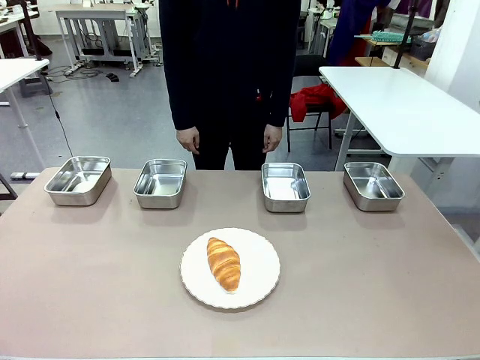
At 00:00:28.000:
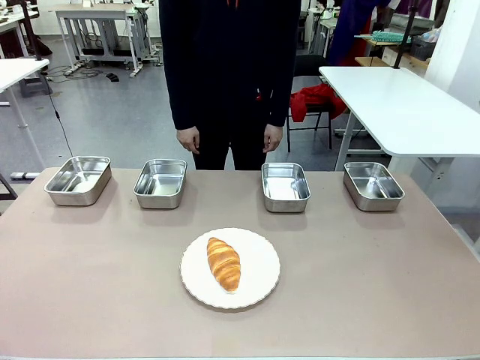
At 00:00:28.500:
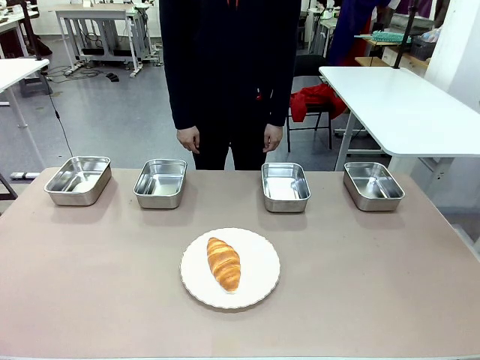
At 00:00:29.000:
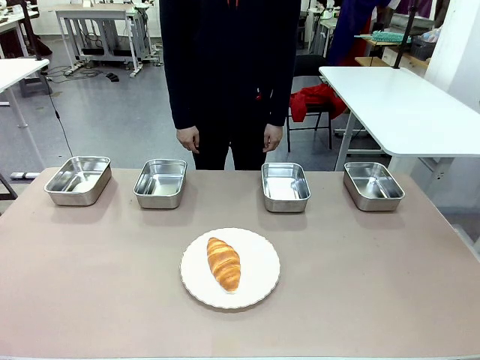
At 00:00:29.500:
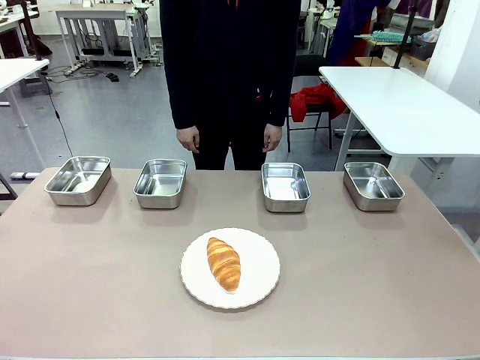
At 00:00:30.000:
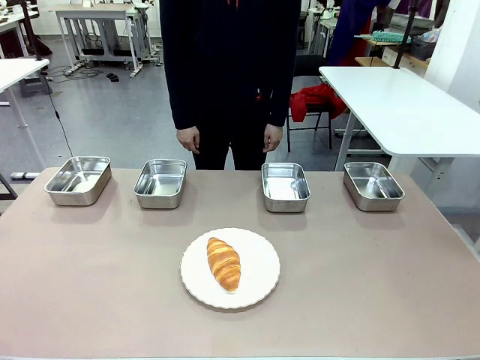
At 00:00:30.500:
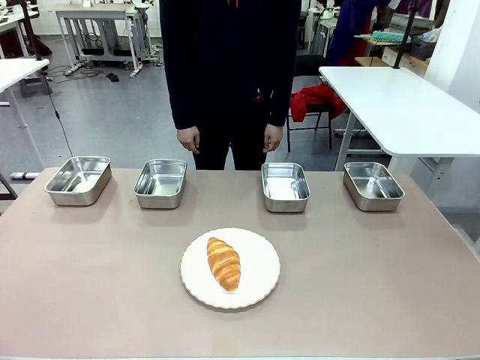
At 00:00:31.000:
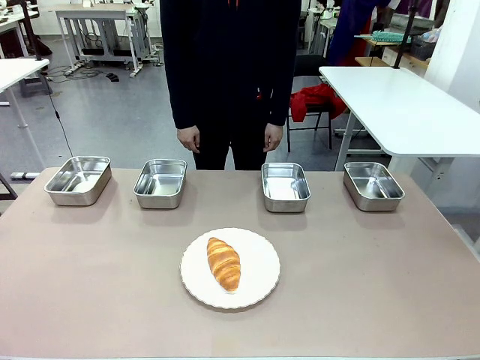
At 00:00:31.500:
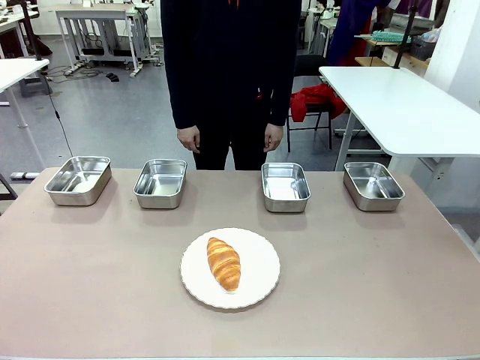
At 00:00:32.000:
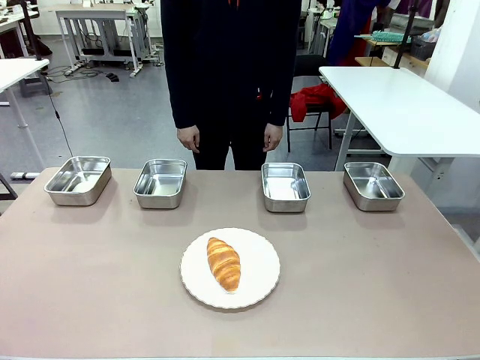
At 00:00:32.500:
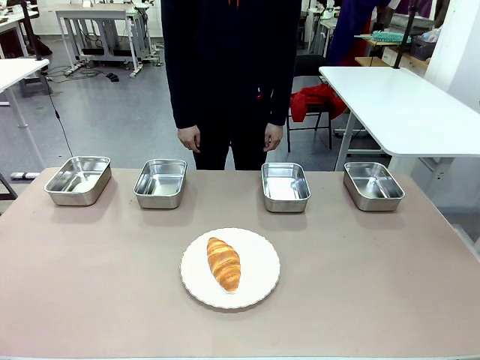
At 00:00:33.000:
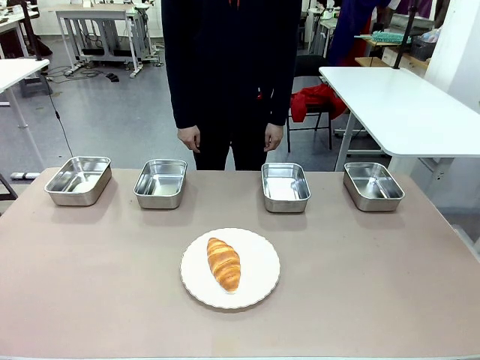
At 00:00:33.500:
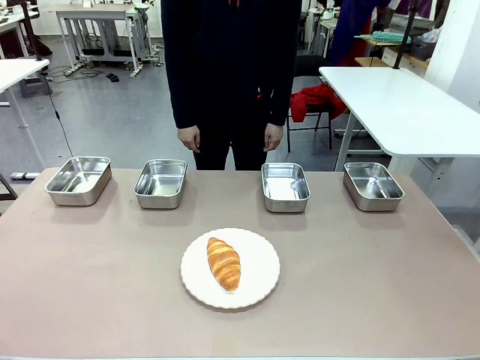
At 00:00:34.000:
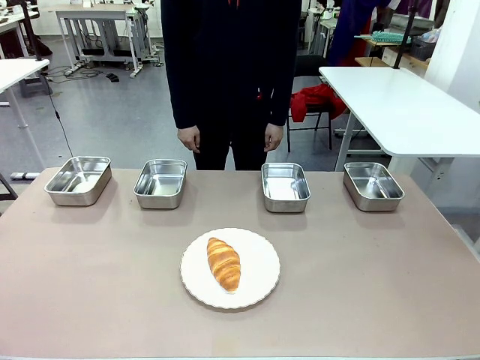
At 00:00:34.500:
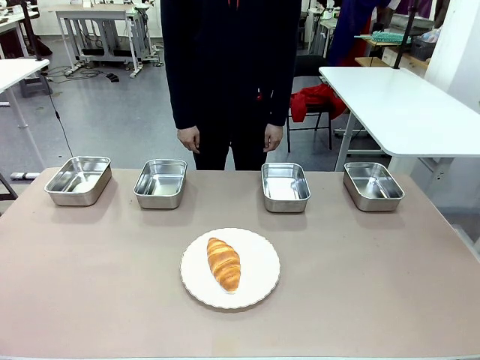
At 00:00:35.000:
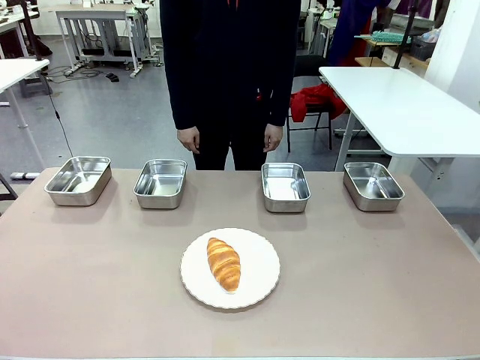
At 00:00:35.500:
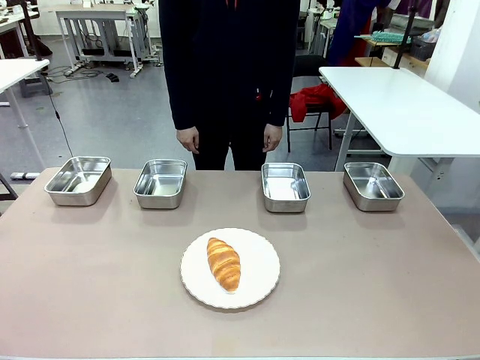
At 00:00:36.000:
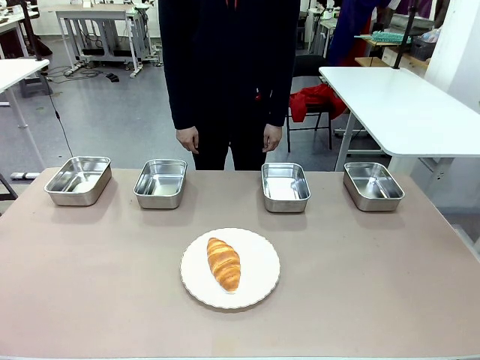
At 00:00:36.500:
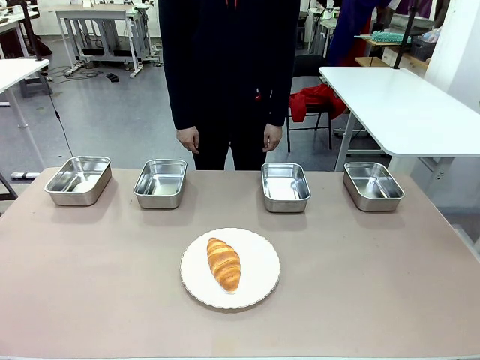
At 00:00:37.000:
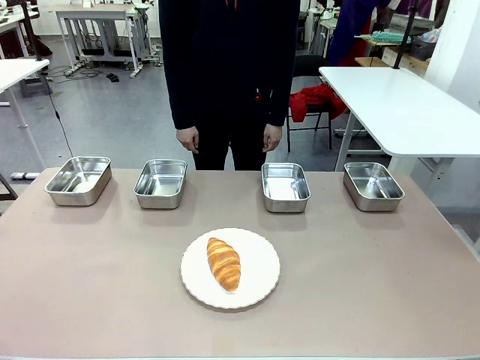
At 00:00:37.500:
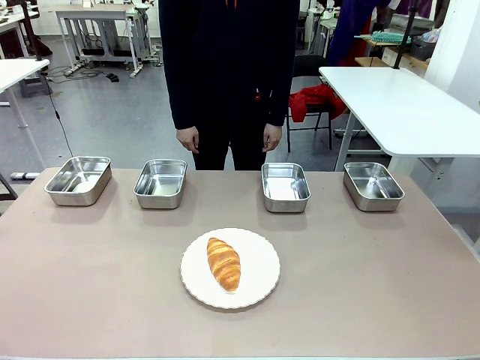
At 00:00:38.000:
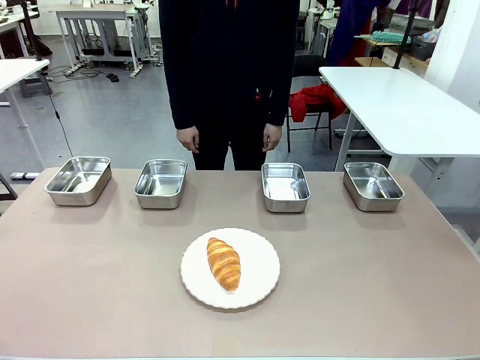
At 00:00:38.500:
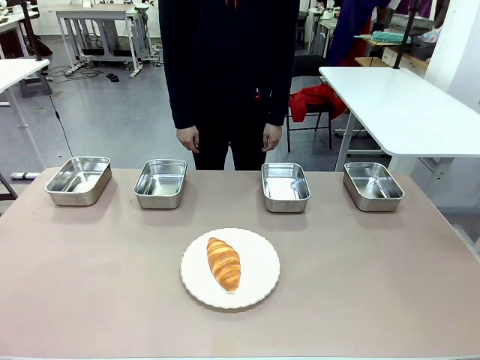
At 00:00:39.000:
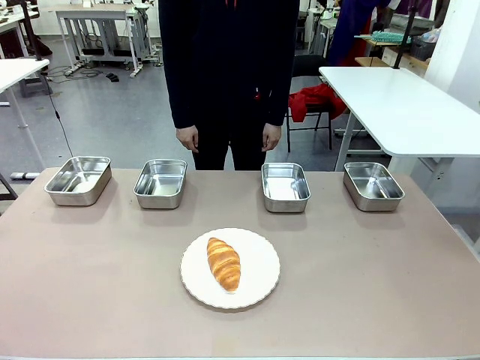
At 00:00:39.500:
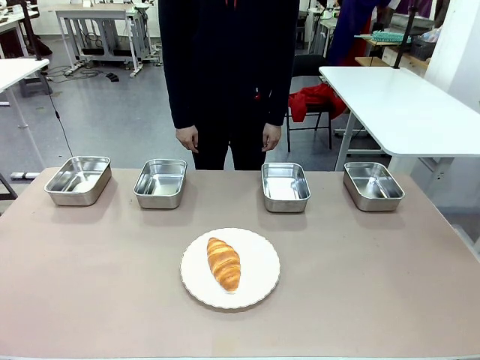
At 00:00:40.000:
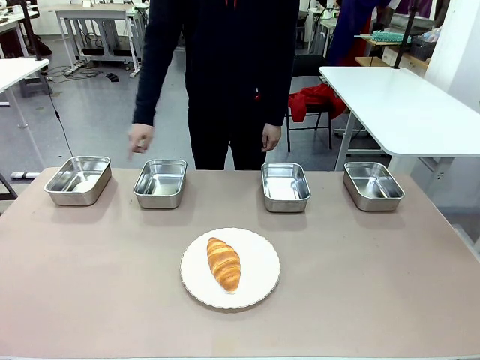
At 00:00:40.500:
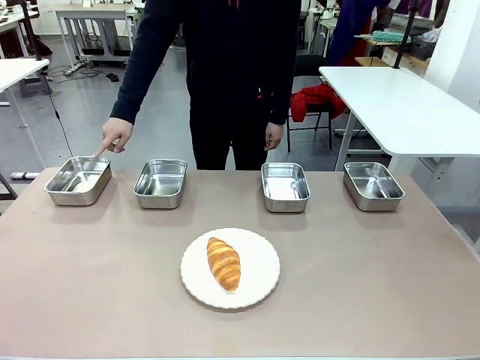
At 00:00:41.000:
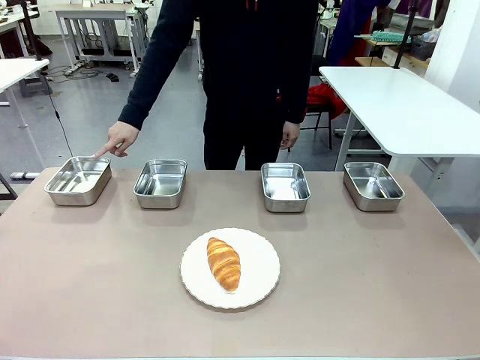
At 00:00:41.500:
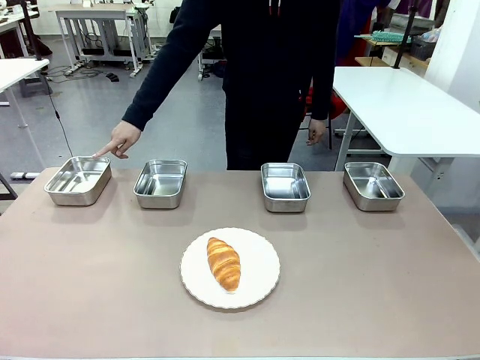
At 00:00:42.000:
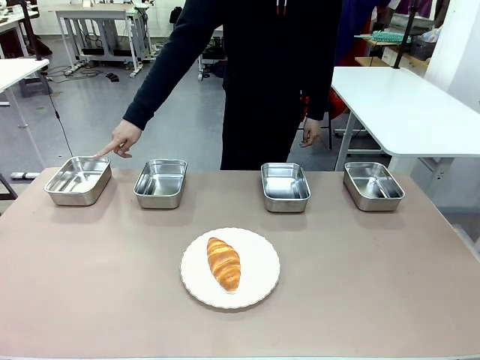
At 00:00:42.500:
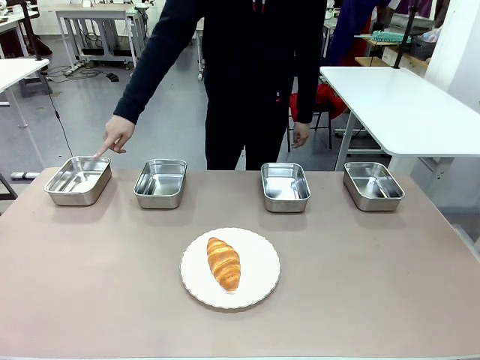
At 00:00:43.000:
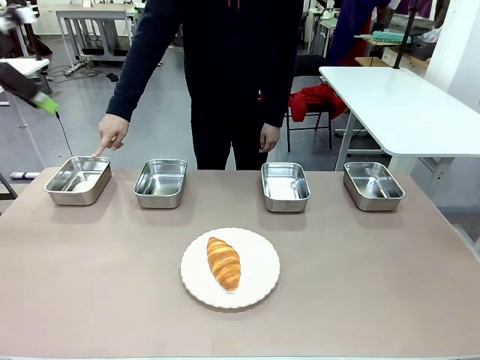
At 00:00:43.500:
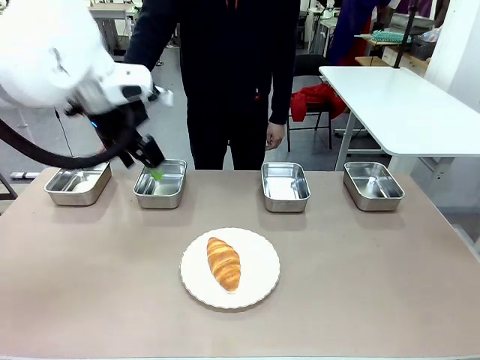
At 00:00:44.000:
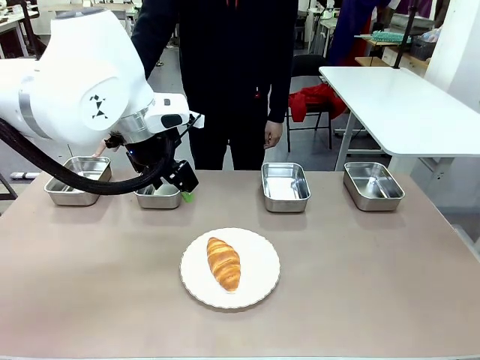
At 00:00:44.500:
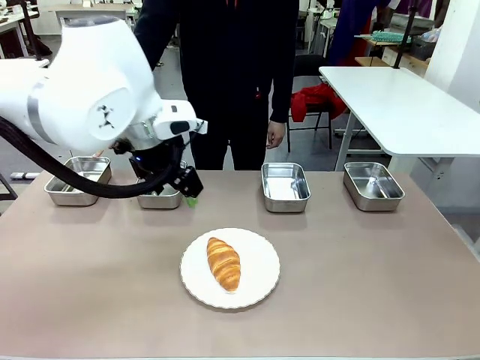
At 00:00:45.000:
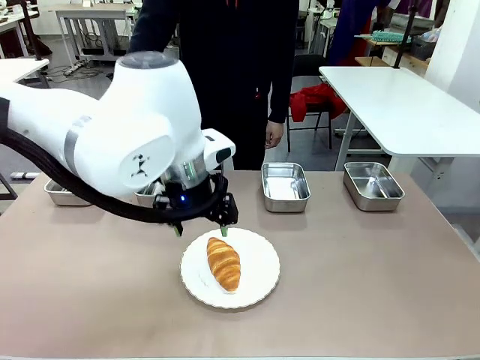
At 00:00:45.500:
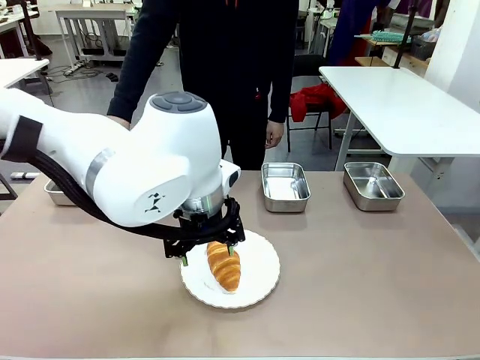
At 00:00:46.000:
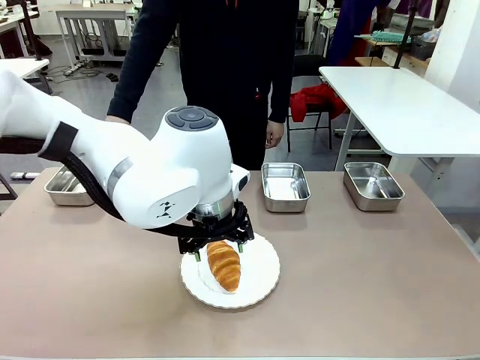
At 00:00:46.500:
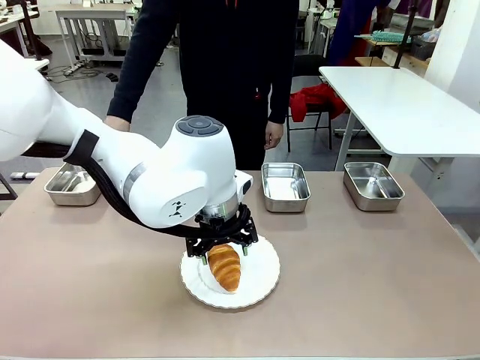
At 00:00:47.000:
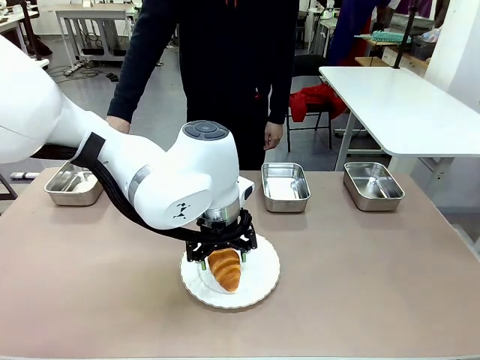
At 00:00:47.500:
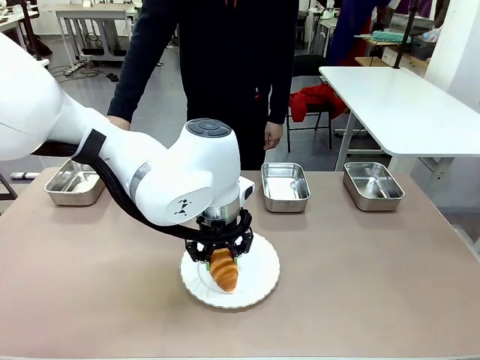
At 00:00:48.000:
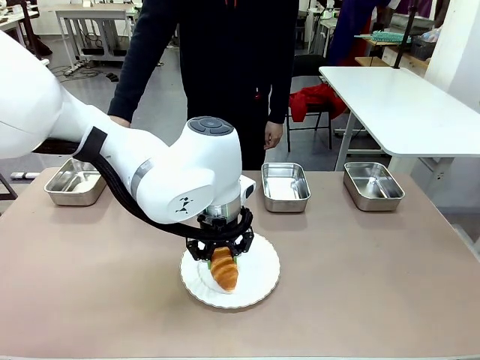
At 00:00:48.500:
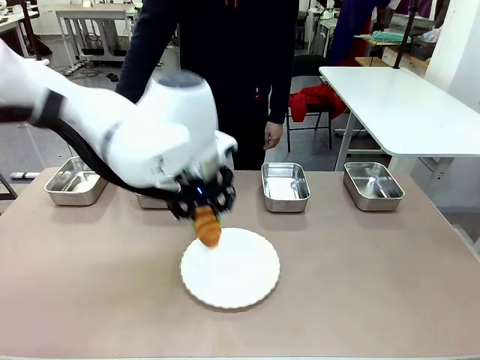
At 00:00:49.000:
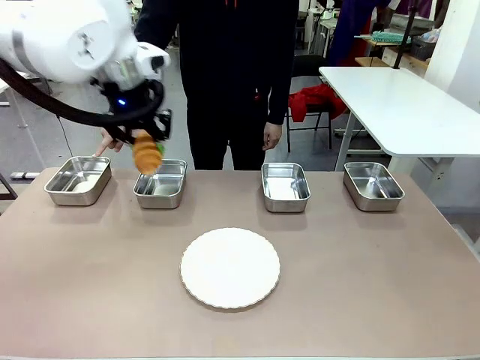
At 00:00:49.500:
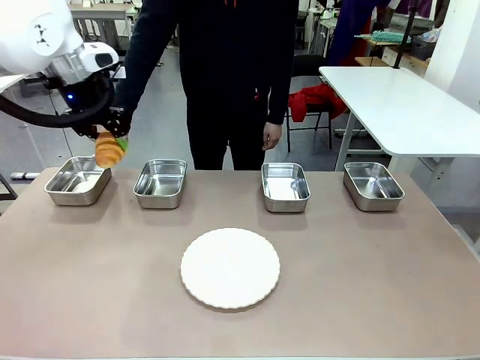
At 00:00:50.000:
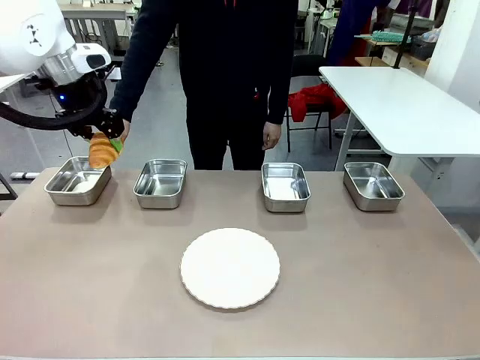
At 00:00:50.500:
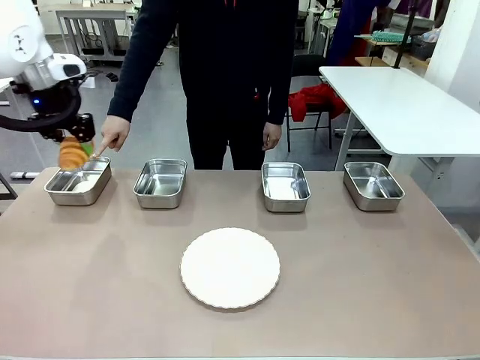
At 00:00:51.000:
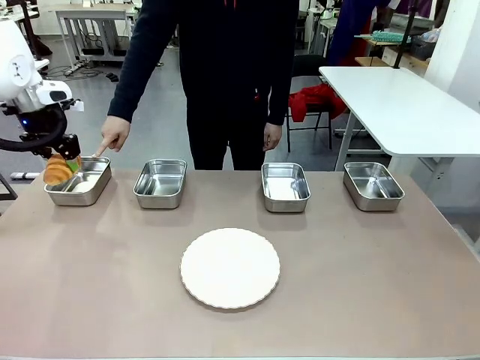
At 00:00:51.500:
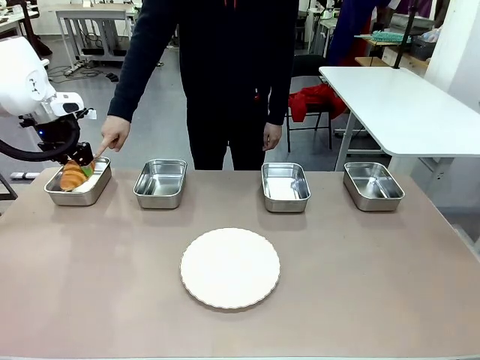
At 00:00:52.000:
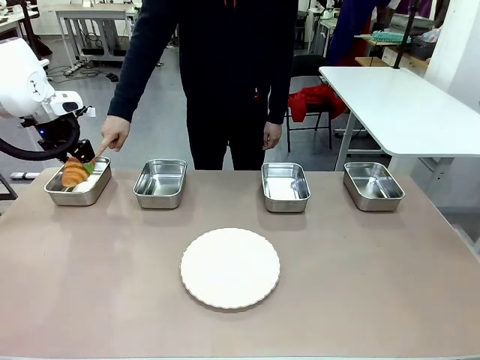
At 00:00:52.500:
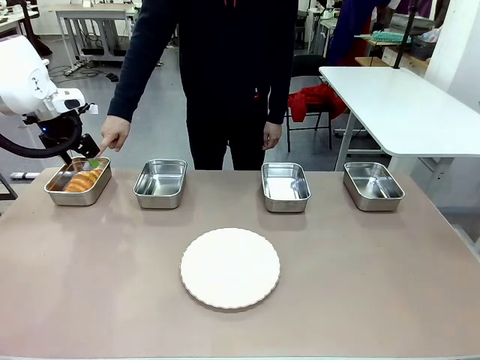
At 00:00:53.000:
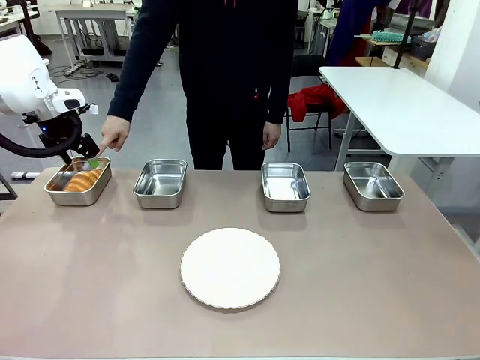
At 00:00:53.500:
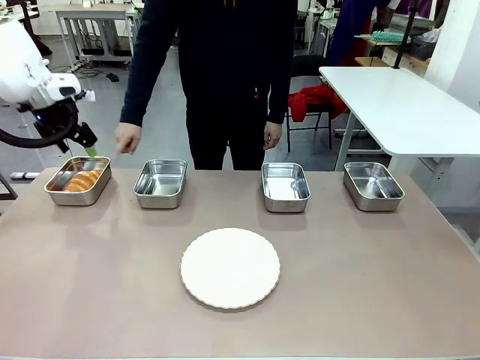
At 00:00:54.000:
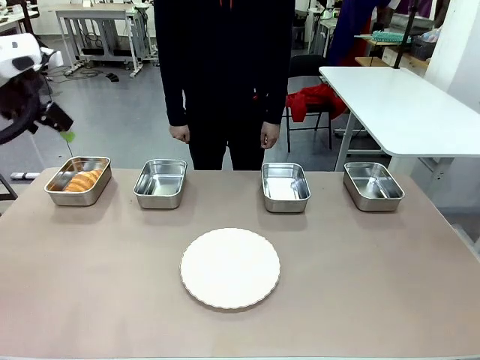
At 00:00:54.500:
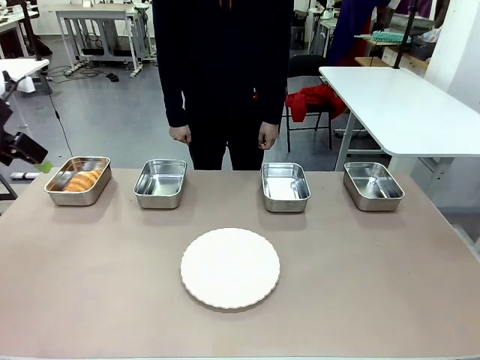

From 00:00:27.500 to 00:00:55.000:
Task: Place the bread in the container.
Robot: Place the Butter Roll into the Airtight Container indicated by the human.
